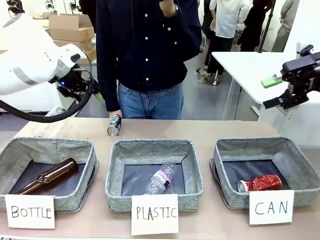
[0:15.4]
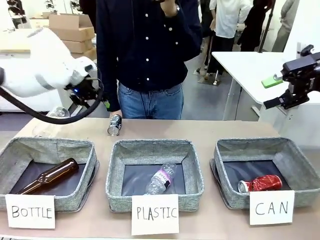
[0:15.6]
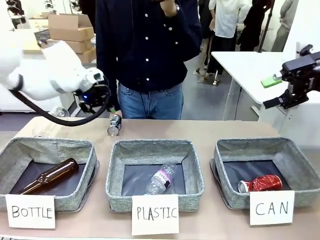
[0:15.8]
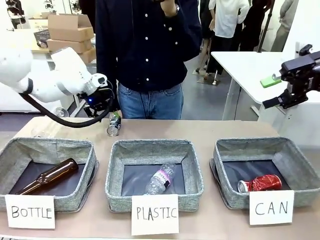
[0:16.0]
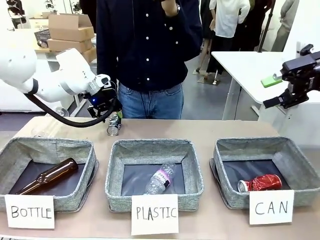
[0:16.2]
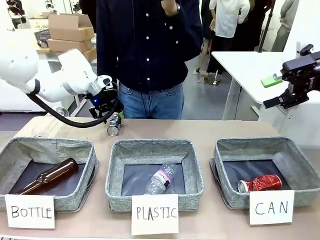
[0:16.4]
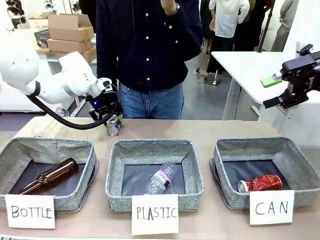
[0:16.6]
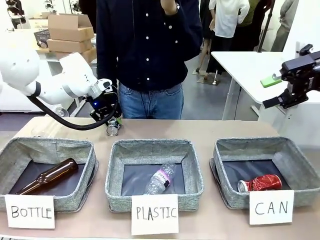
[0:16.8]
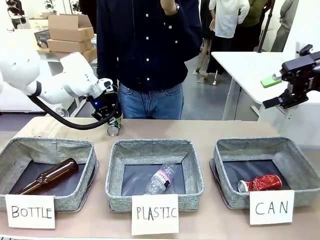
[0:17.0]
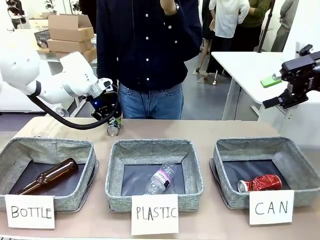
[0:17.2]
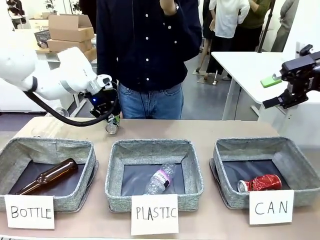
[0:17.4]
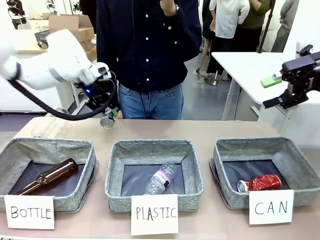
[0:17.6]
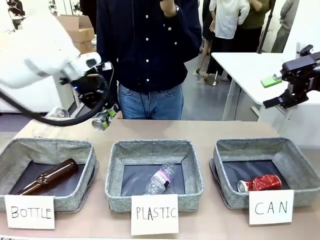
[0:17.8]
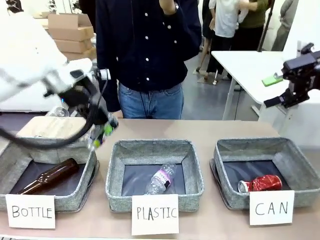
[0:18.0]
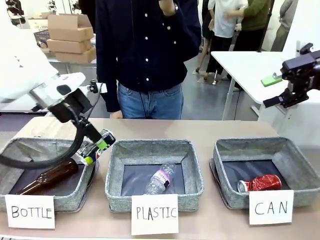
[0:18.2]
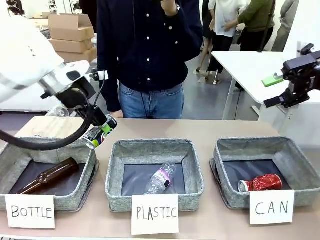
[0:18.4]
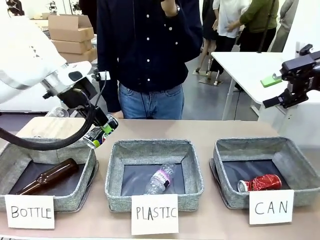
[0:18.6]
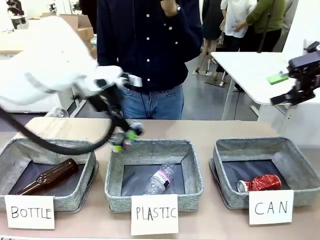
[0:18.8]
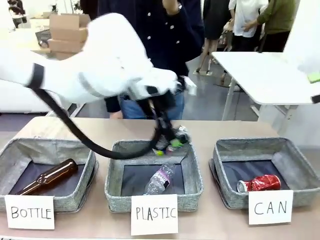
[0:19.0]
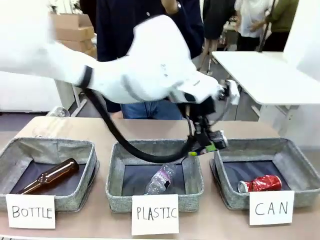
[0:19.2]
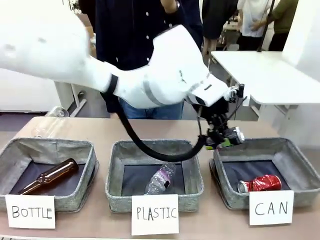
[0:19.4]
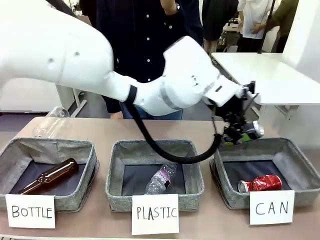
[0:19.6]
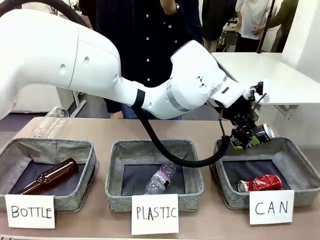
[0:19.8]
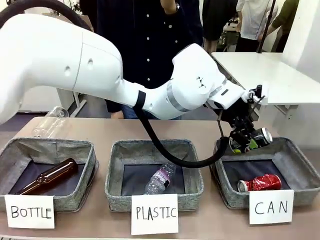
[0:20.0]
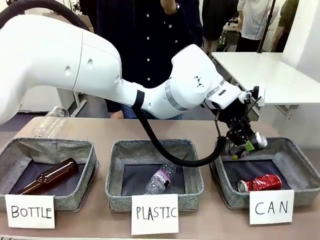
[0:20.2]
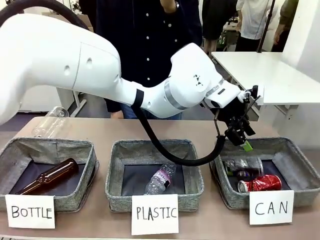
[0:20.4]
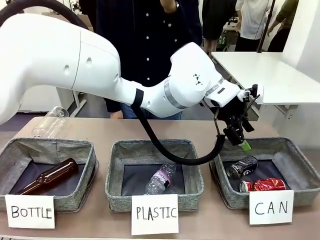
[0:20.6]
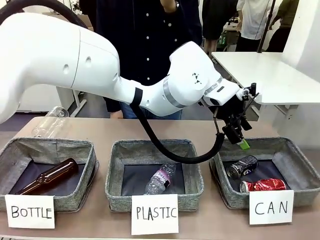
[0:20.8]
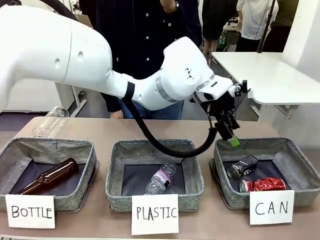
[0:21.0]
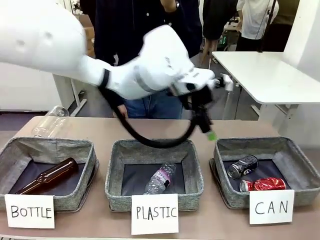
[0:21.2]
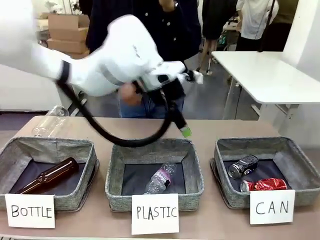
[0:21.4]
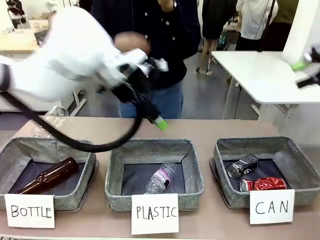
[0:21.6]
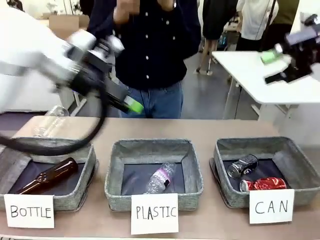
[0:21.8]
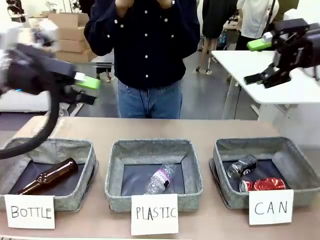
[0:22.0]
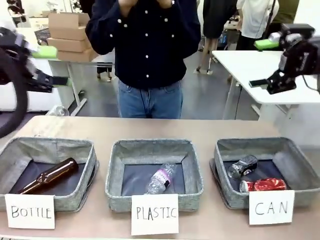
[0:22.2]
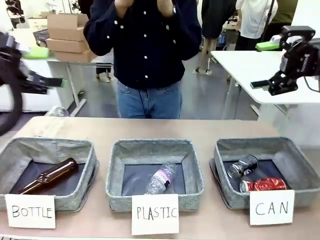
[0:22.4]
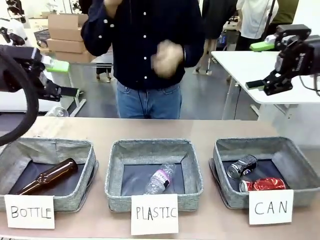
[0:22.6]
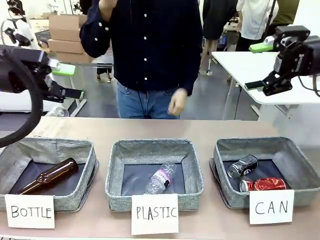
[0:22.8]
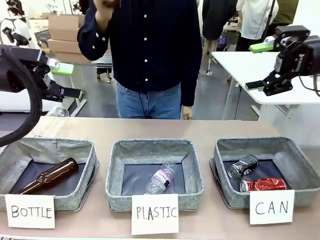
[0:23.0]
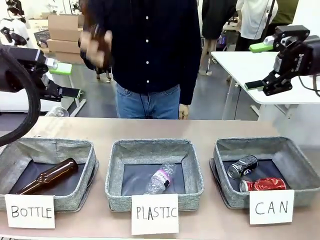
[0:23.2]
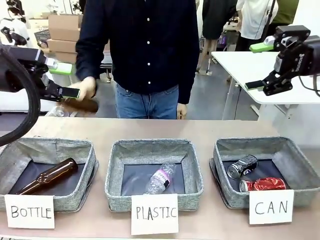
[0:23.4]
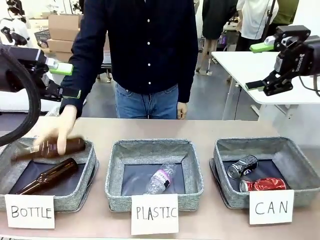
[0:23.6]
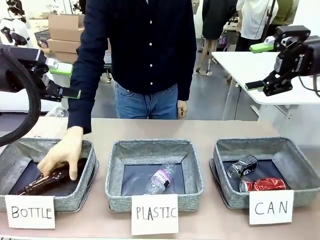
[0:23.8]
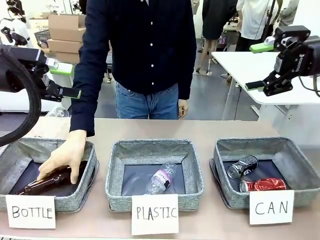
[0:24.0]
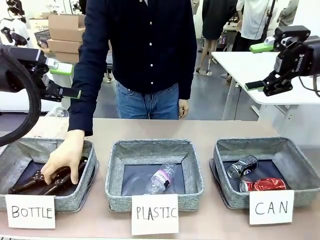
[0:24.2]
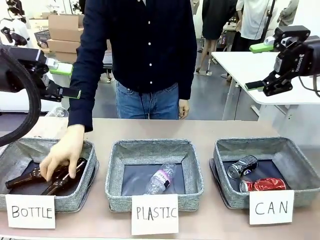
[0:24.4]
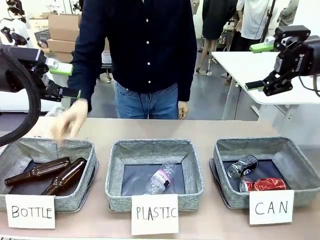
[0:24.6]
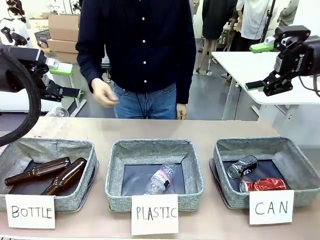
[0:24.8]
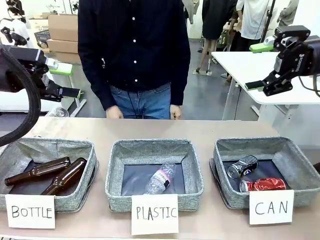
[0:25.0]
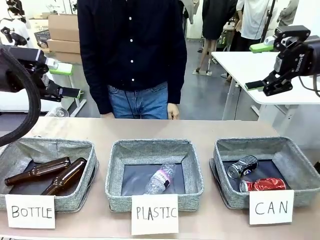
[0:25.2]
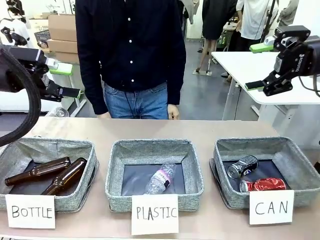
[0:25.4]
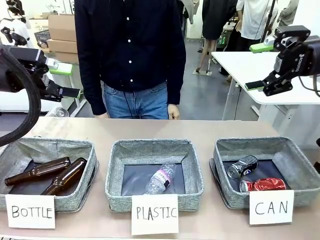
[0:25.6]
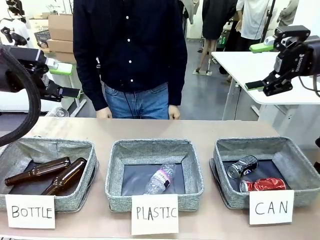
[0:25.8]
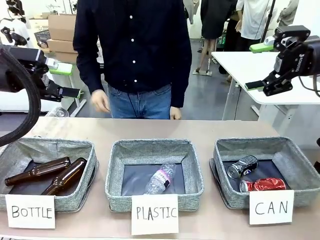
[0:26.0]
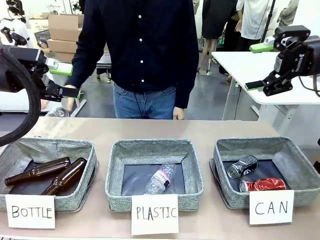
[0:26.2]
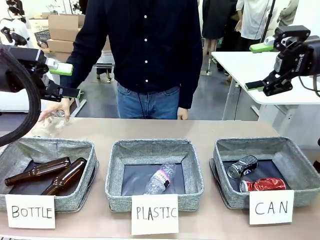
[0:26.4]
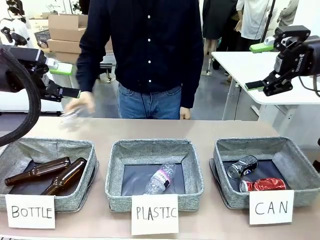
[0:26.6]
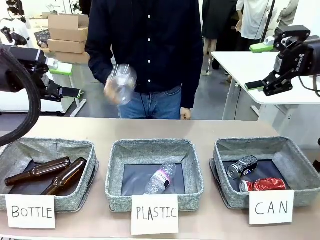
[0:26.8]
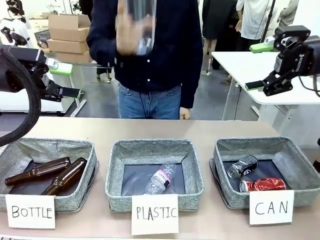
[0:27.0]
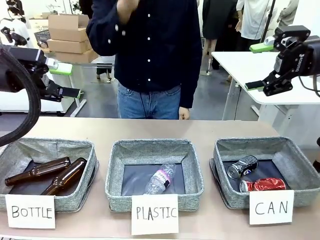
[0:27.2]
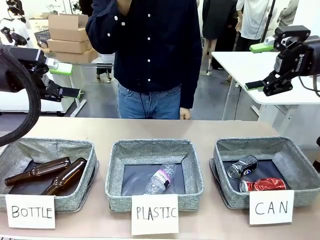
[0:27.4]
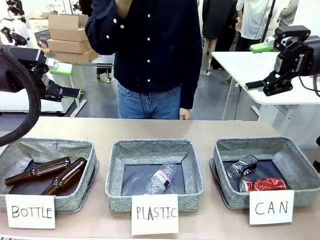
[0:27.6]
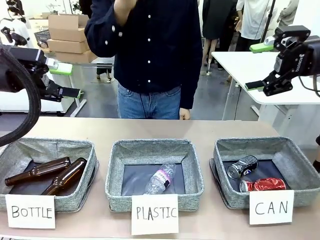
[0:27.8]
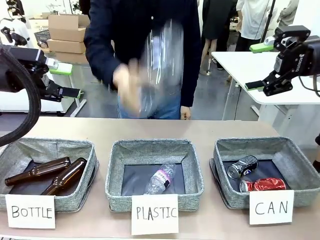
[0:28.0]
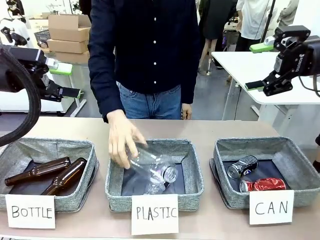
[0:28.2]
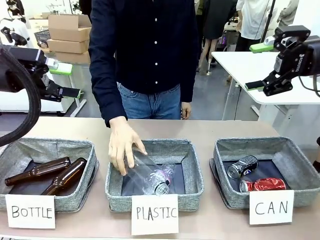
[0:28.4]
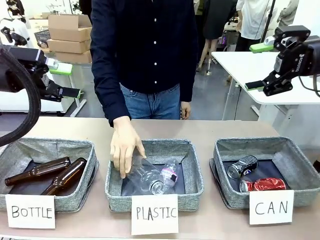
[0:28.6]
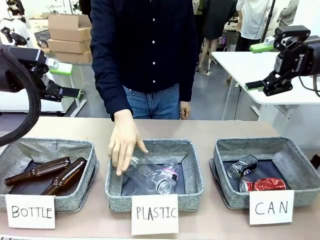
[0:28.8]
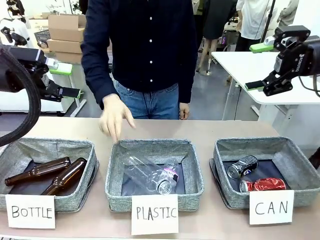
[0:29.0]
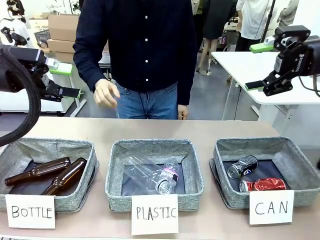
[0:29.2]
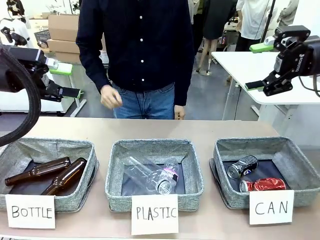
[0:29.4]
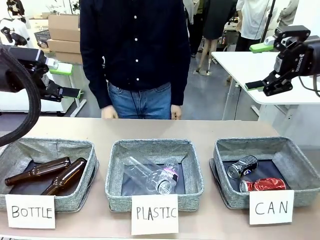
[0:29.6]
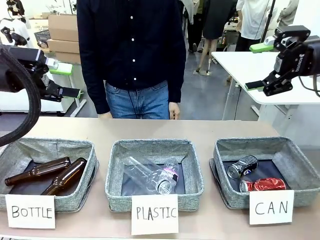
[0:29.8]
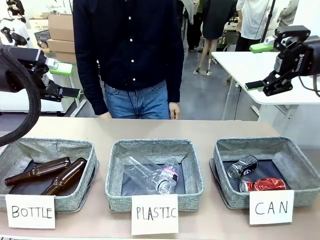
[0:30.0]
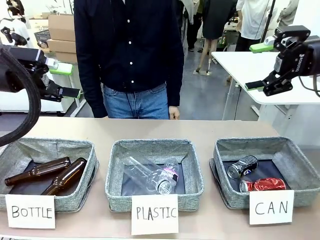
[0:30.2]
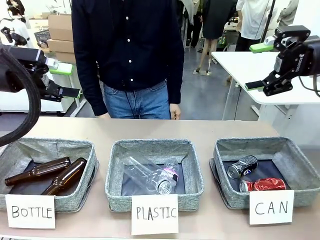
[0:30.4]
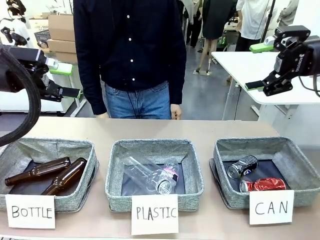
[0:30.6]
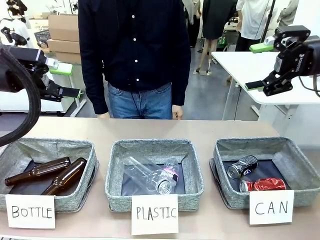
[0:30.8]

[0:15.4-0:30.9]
Task: Sort the can waste into the basket.
Robot: Pick up the can waste from the table and place it in the right Fabric basket.
Person: The human picks up one piece of trash that is not a can and places the trash into the appropriate organizing basket.
